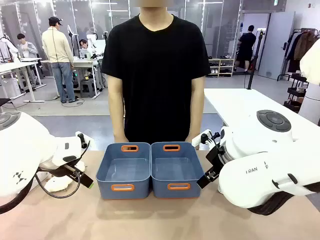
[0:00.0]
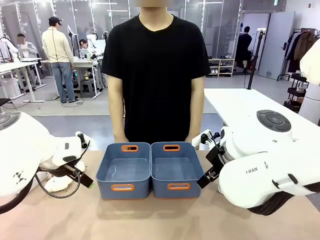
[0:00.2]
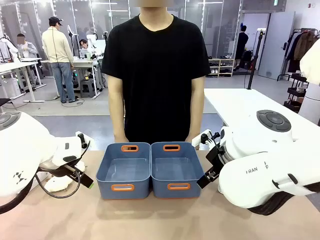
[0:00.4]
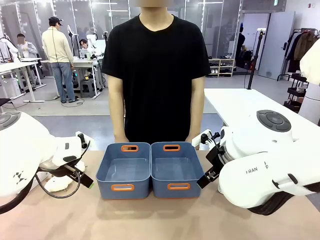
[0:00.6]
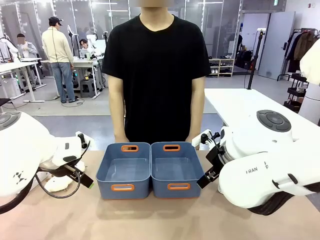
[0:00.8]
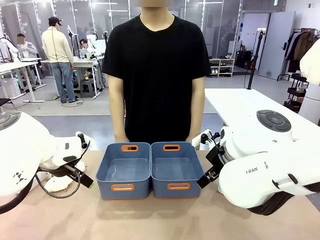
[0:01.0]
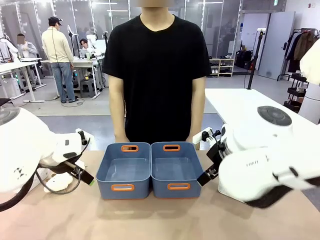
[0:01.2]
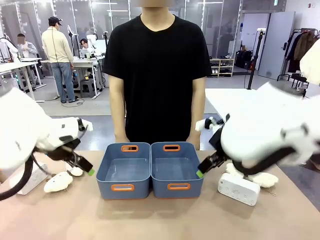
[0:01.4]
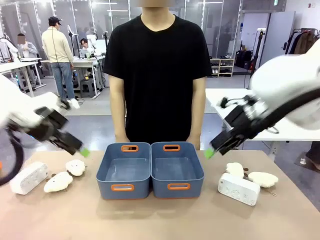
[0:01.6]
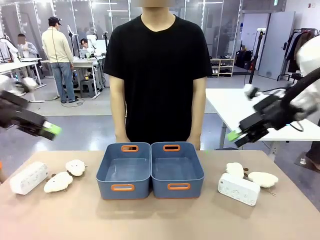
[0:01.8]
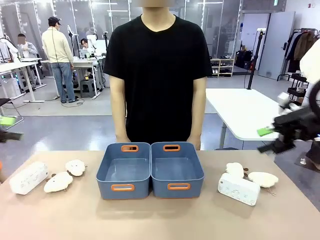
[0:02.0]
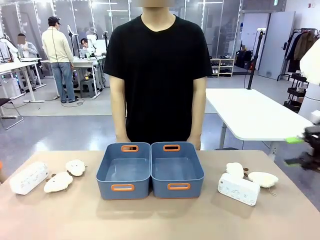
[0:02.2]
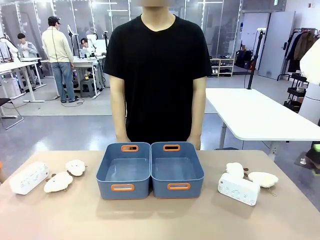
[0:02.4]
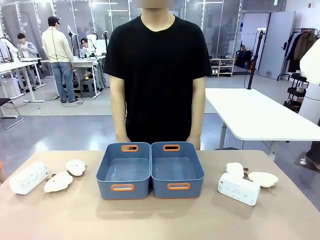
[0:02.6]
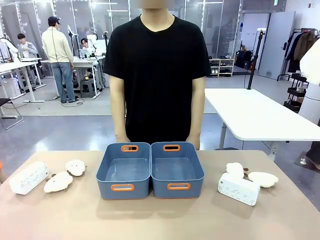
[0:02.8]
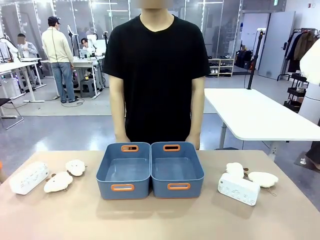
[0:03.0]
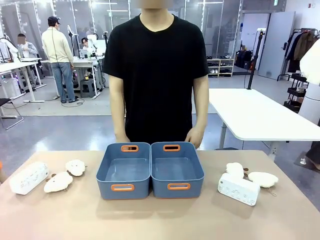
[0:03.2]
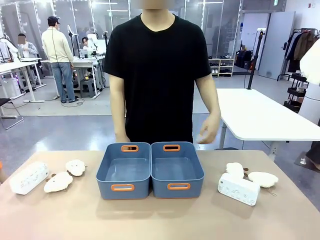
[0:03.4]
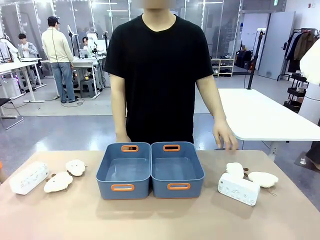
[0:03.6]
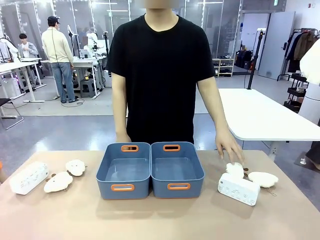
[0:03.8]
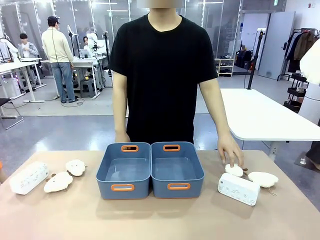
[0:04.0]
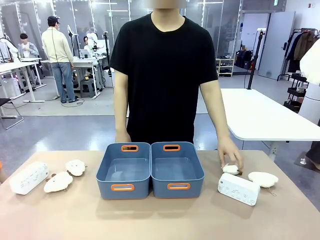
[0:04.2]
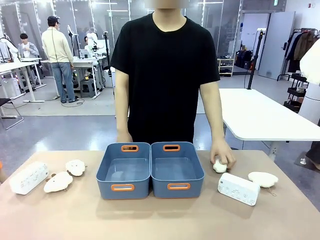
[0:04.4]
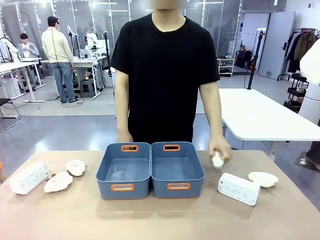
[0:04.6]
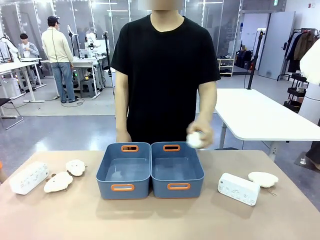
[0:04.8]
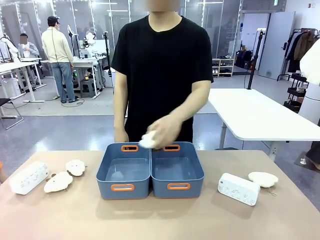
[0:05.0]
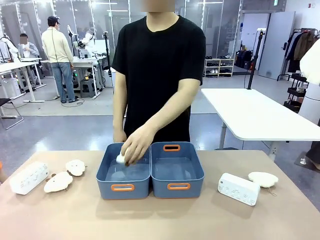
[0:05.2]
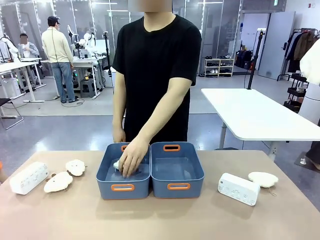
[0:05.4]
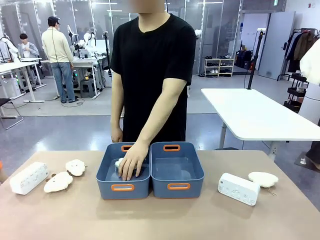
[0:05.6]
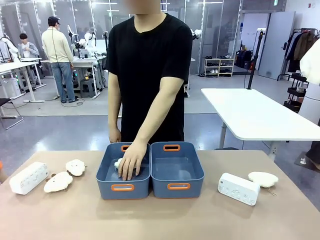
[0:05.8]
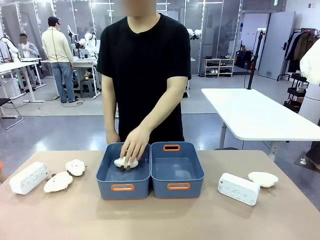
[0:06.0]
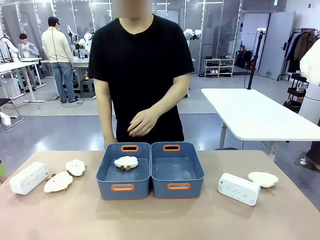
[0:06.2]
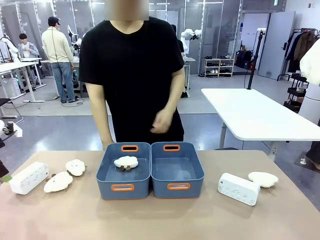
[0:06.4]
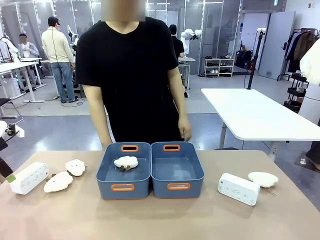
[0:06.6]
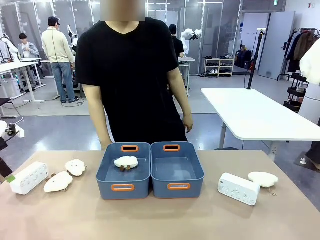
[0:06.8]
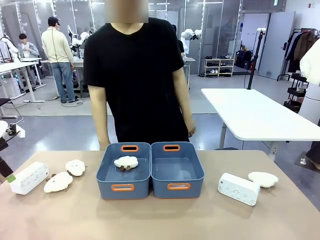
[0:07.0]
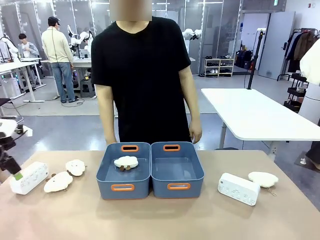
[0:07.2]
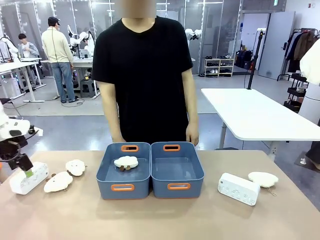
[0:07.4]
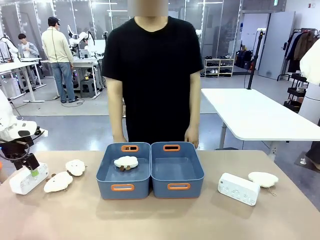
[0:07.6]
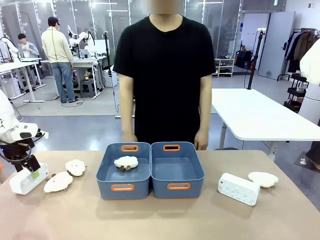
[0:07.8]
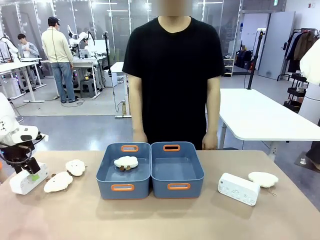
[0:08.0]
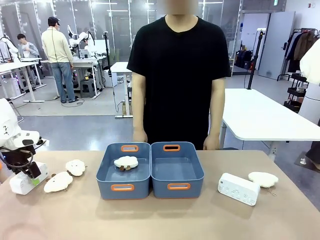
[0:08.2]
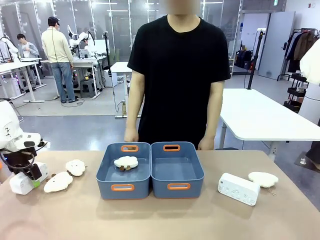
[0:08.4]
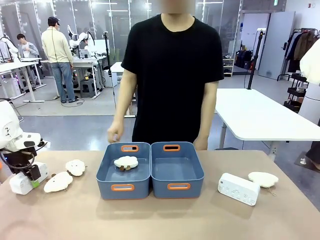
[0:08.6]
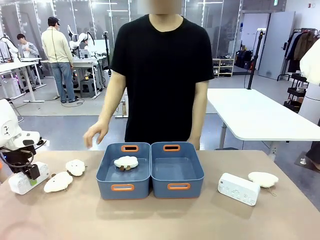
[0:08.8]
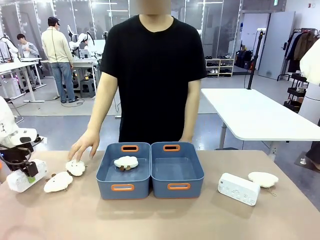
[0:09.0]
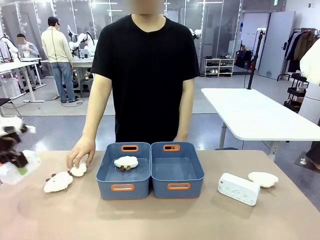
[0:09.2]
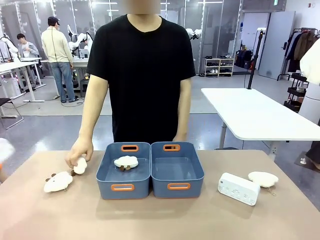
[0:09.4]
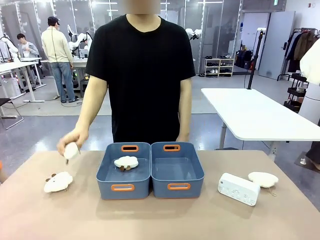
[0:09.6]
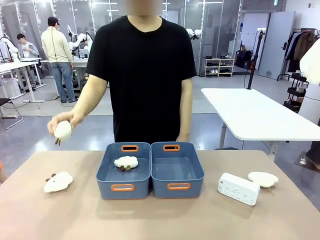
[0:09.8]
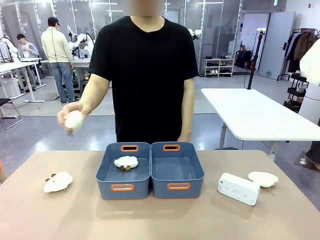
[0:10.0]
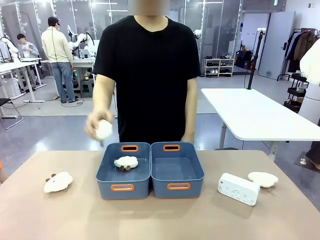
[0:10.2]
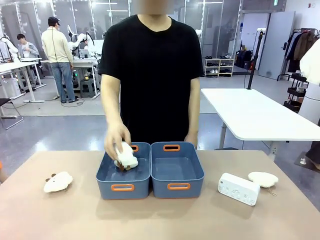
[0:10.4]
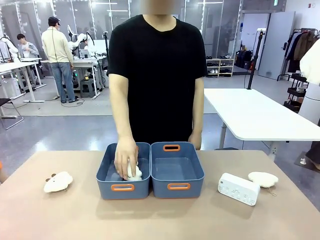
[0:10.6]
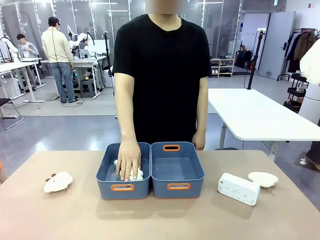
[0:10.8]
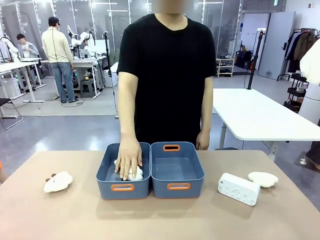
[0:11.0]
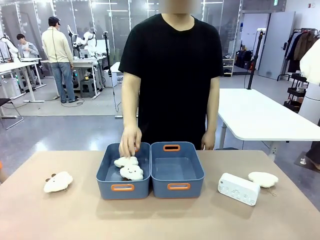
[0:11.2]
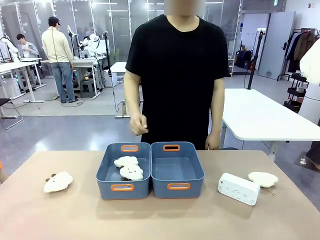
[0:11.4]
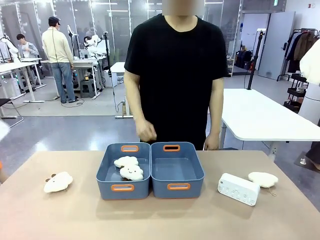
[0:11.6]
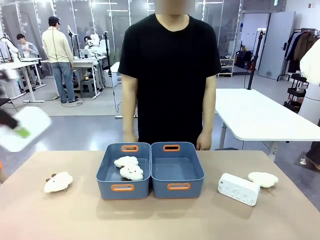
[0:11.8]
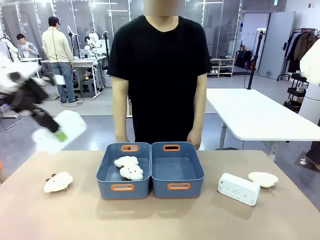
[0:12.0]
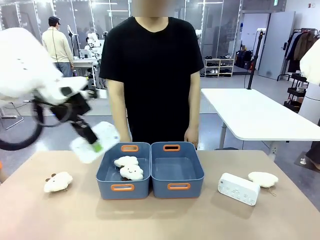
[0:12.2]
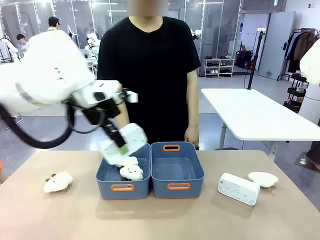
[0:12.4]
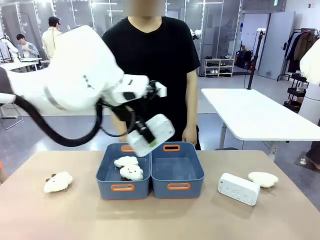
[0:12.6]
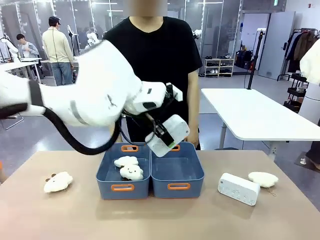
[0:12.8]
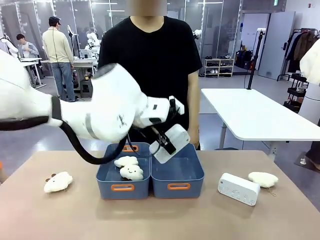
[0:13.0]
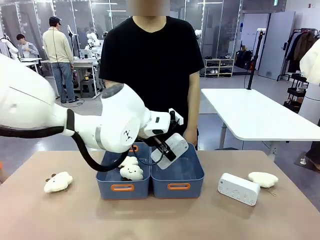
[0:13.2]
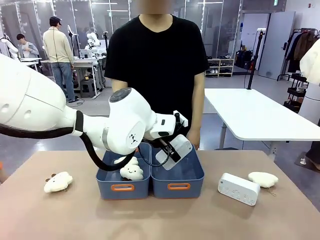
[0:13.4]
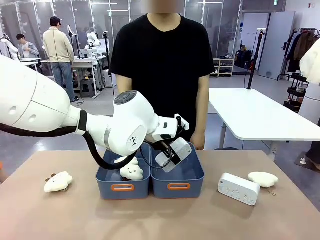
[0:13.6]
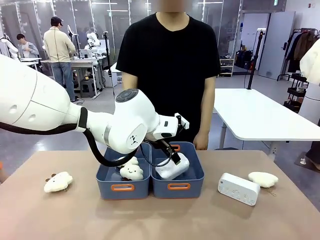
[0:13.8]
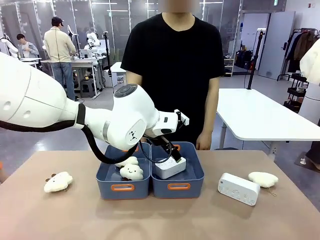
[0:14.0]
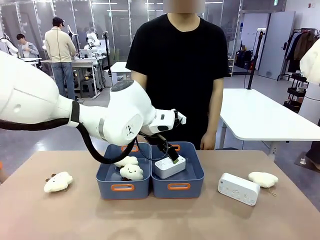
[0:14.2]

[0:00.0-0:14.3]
Task: Sort the digital clocks into the basket.
Robot: Pick up the Digital clock from the table and place it into the empty Plastic storage basket.
Person: Pick up a plush toy from the table and place it in a plastic storage basket.
